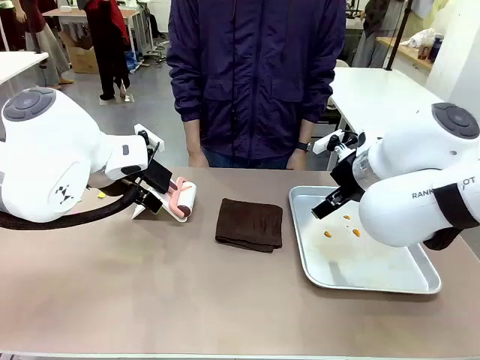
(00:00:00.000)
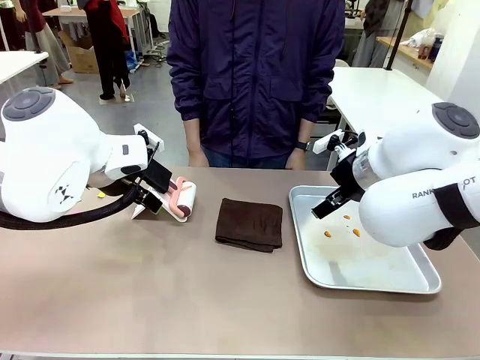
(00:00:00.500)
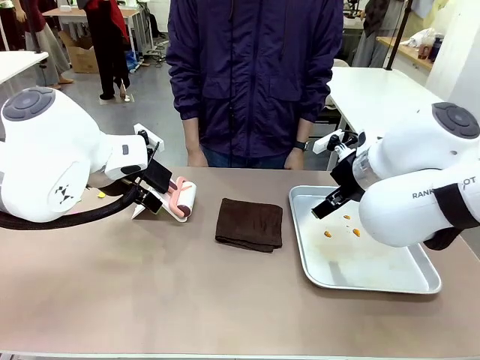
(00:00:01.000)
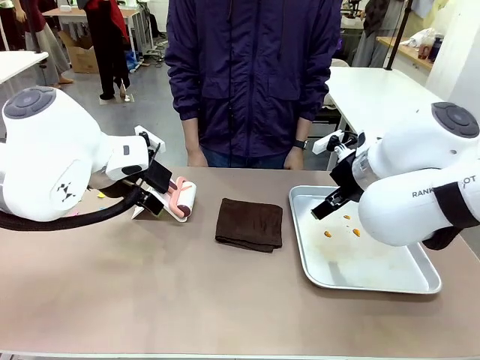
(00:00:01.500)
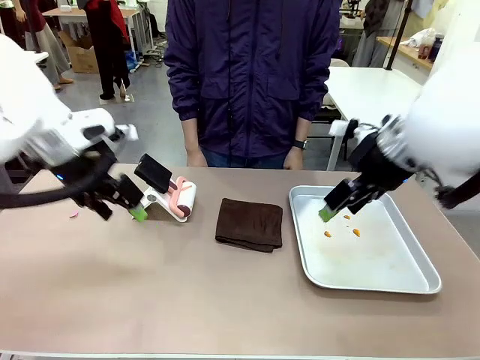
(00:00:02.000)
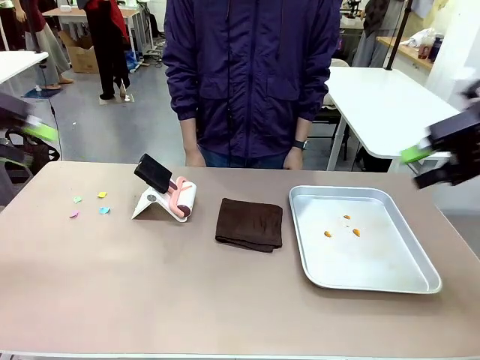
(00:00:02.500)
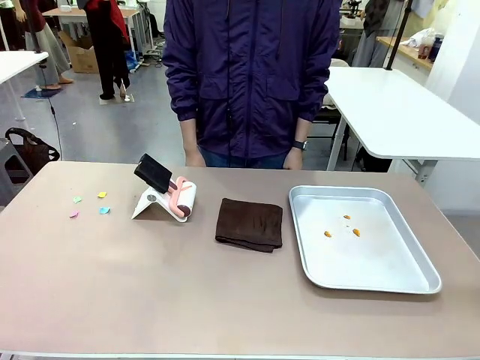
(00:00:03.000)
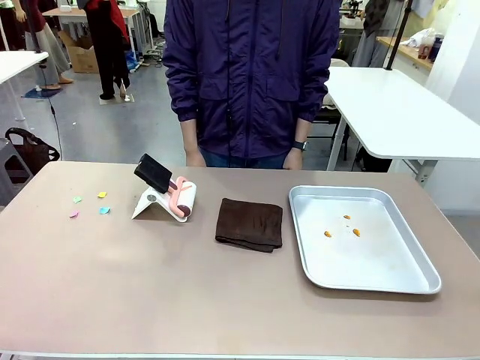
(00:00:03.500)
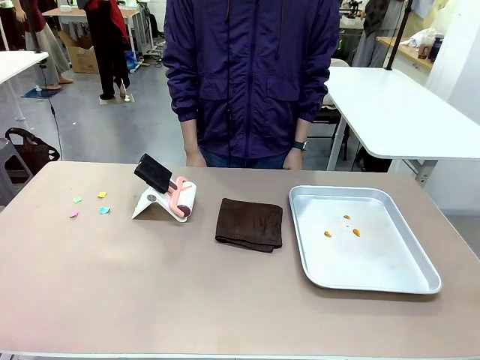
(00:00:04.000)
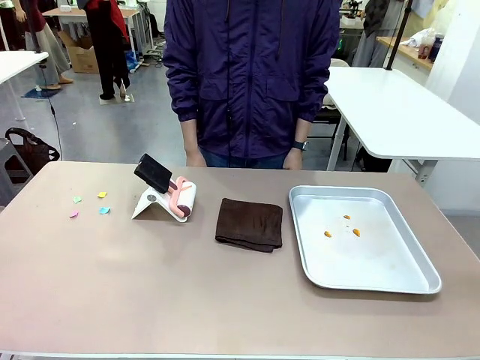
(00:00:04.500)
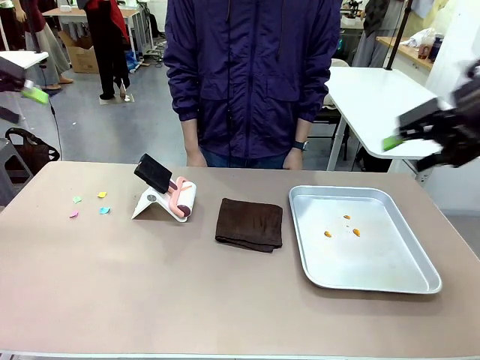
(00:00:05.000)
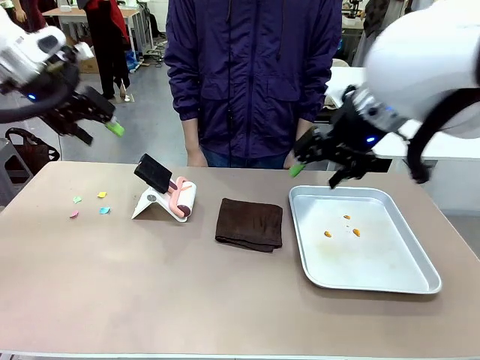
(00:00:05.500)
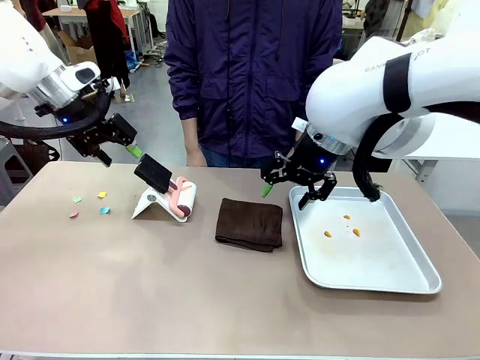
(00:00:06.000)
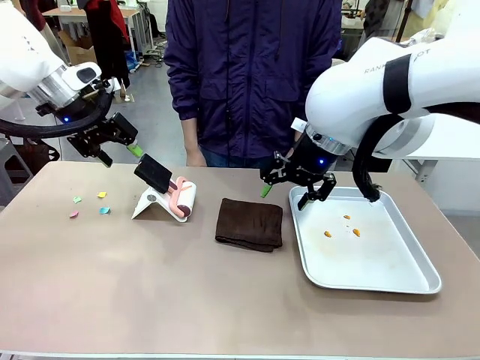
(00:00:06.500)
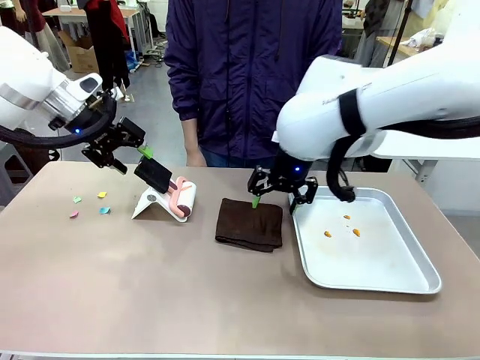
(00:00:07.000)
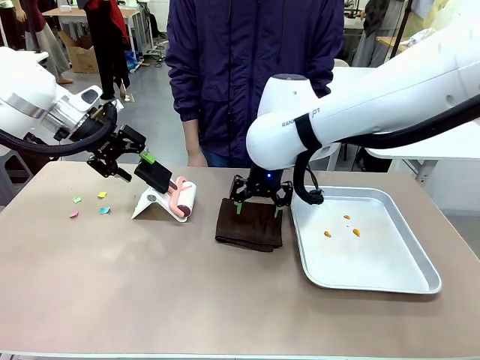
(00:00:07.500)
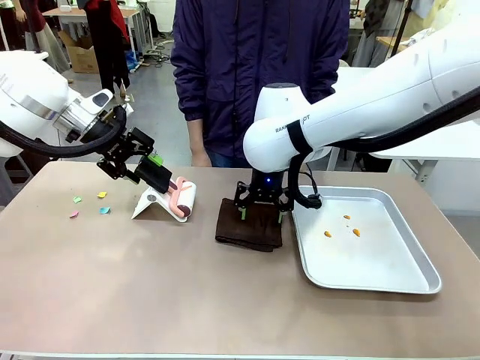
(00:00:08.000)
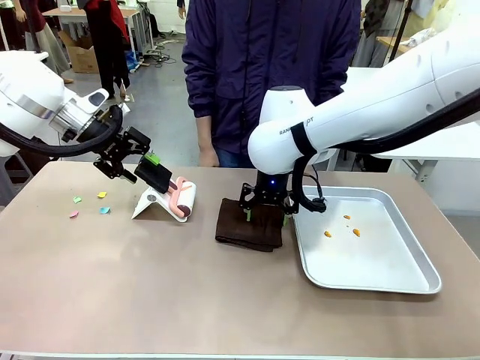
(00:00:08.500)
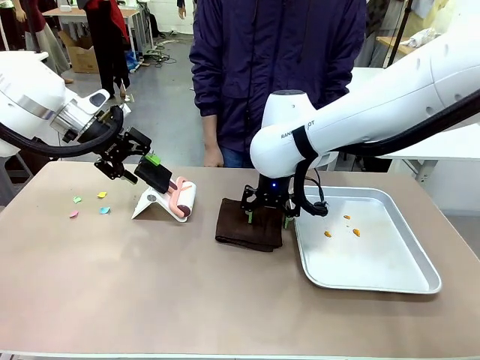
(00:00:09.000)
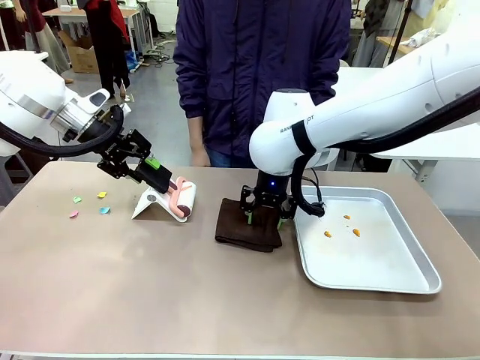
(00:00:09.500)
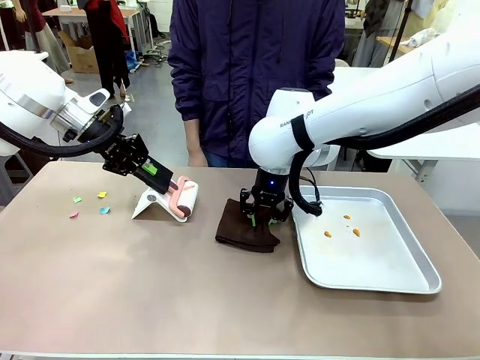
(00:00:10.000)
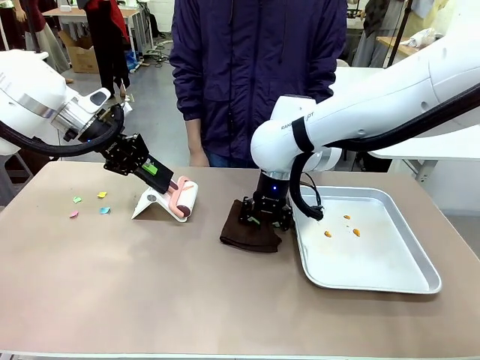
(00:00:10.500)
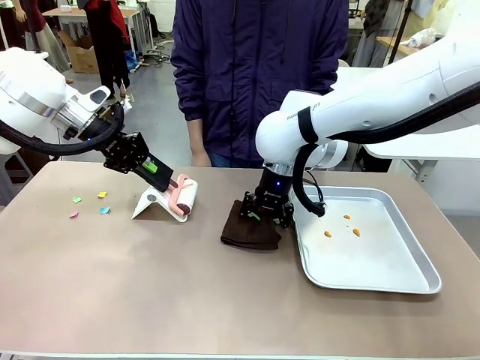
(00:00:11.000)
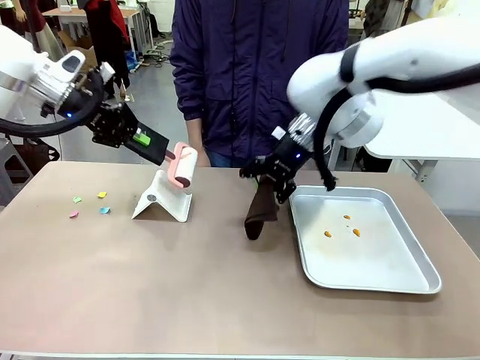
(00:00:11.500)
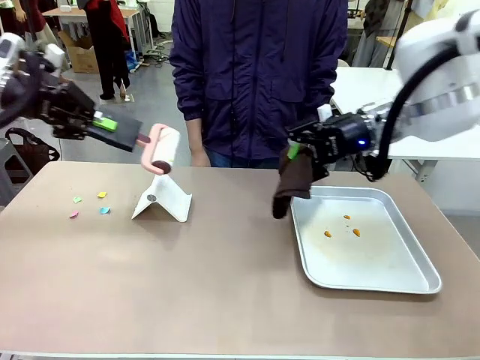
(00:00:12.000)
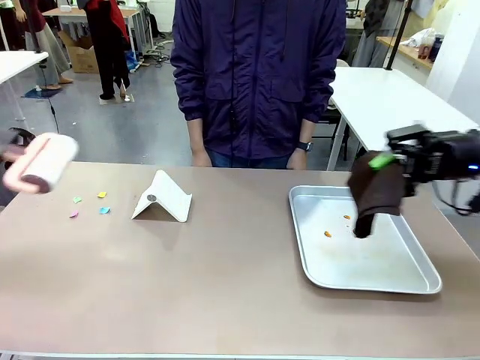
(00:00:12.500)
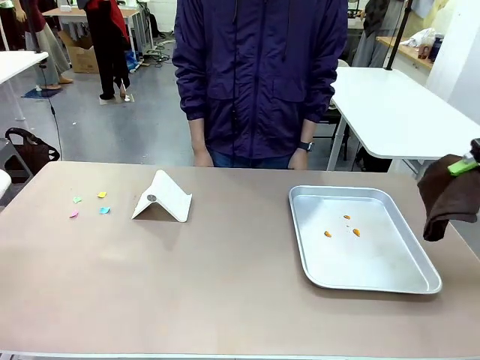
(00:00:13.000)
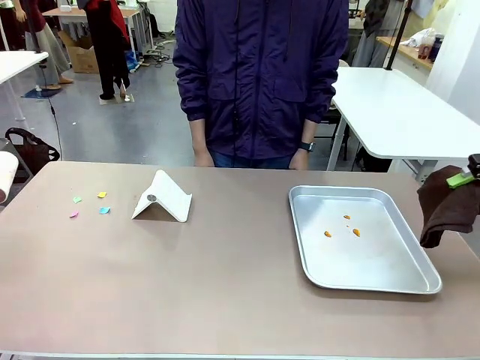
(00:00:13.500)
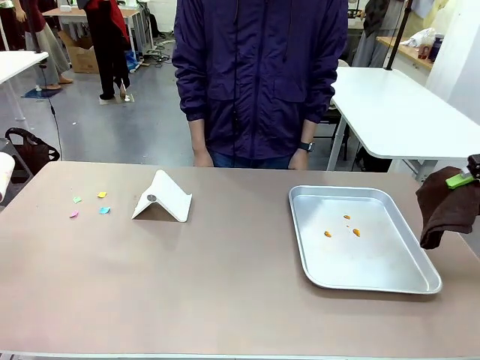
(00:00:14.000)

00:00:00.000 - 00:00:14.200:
Task: Clean the surface of the table.
Robot: Hold the Lint Roller with your left hand and the towel with your right hand.

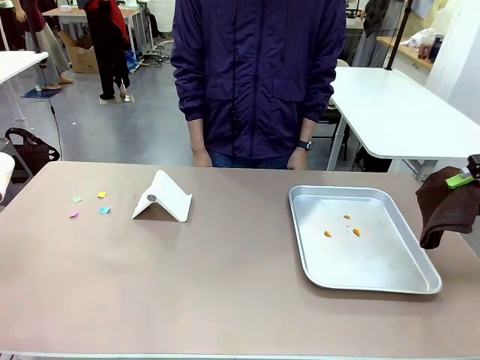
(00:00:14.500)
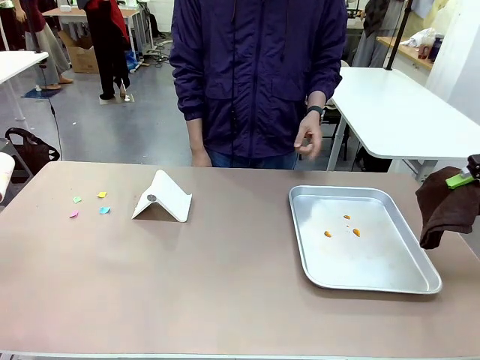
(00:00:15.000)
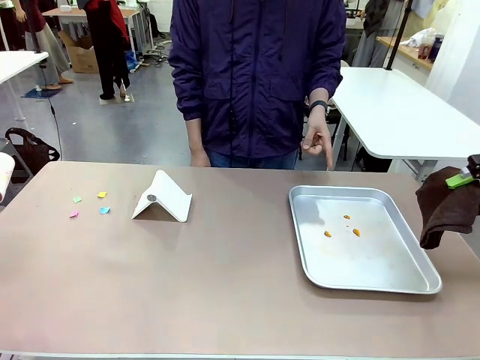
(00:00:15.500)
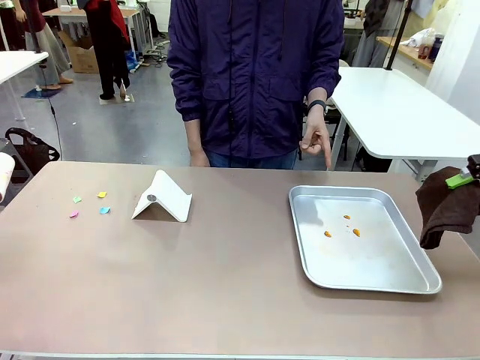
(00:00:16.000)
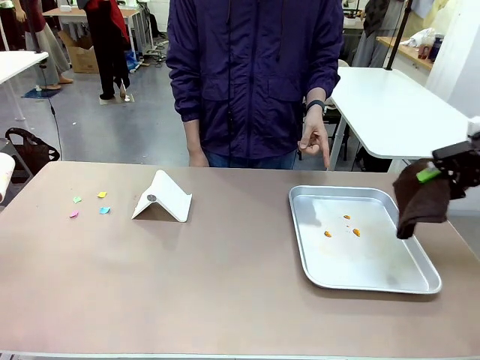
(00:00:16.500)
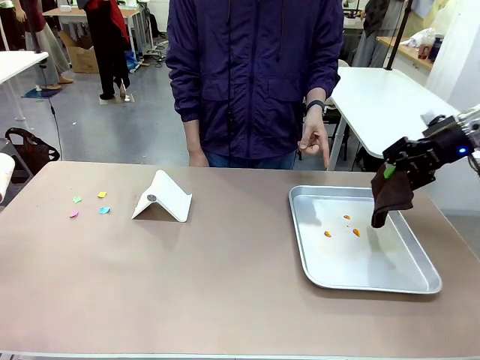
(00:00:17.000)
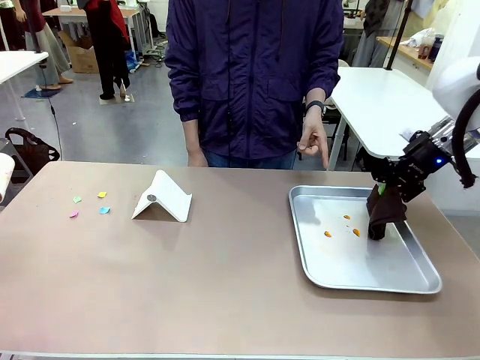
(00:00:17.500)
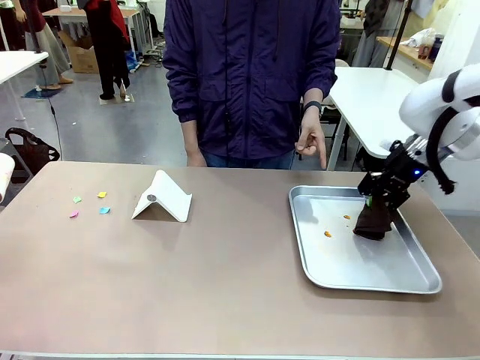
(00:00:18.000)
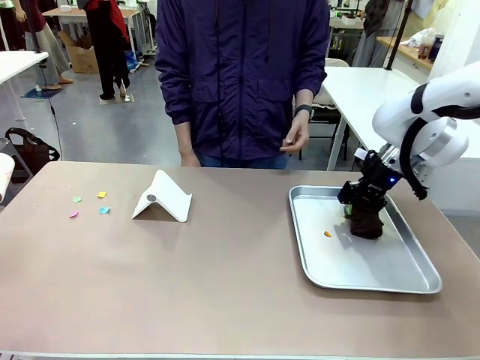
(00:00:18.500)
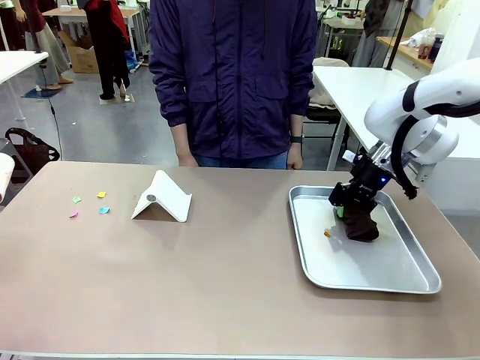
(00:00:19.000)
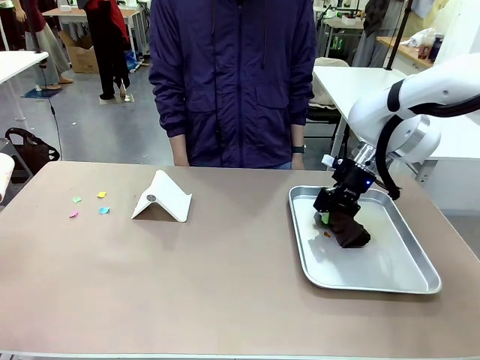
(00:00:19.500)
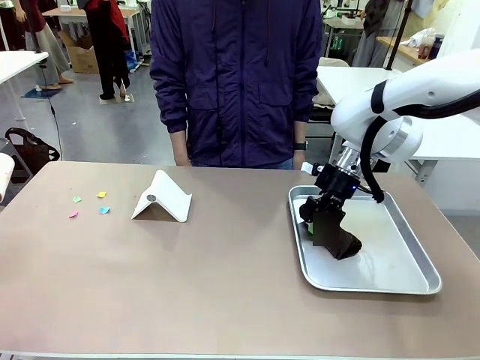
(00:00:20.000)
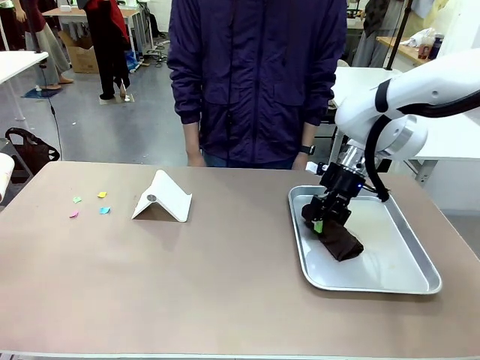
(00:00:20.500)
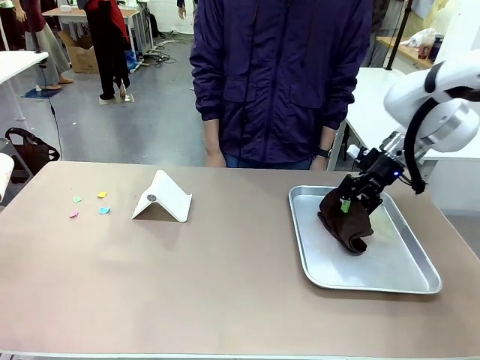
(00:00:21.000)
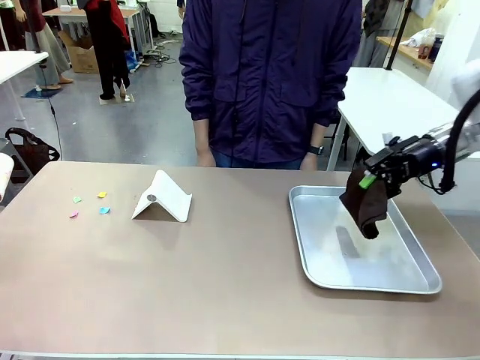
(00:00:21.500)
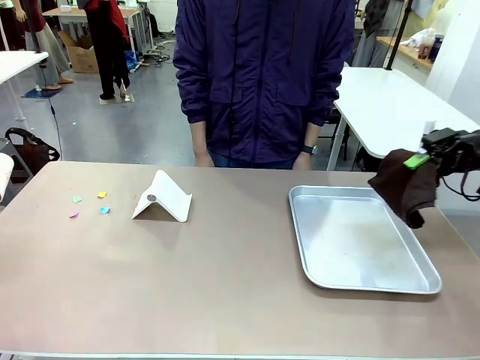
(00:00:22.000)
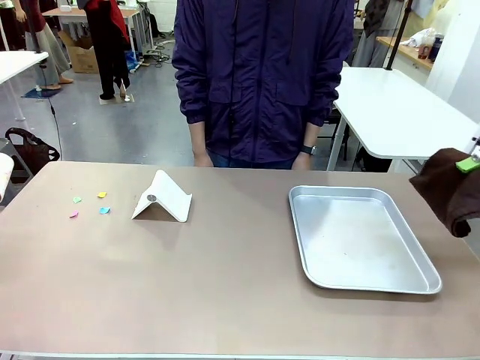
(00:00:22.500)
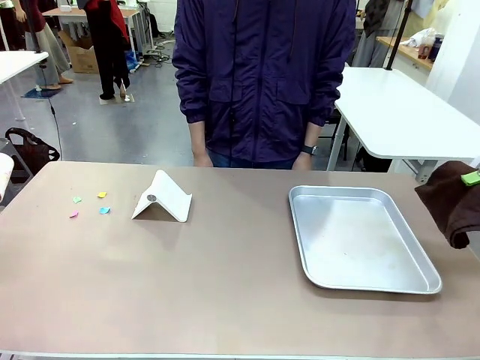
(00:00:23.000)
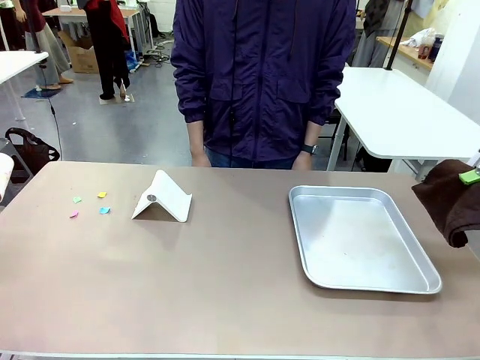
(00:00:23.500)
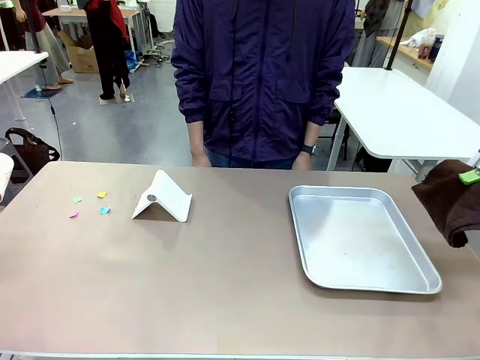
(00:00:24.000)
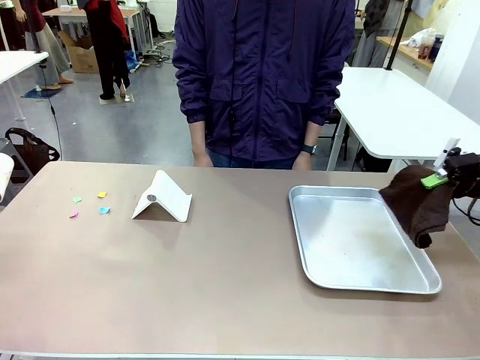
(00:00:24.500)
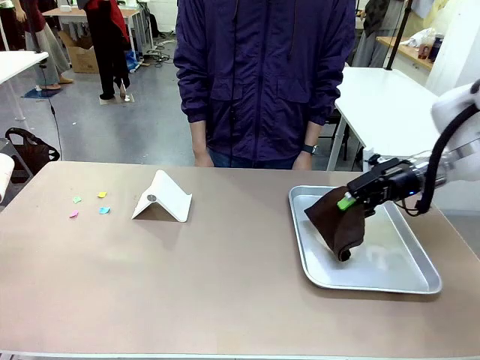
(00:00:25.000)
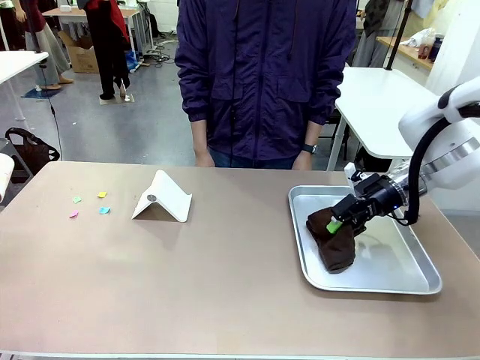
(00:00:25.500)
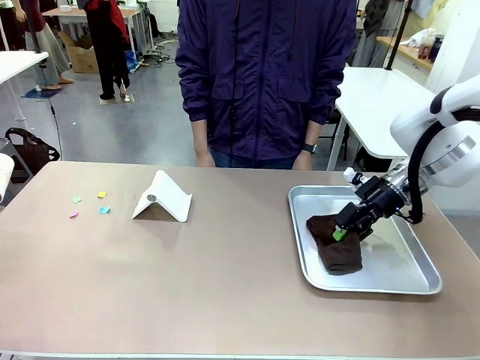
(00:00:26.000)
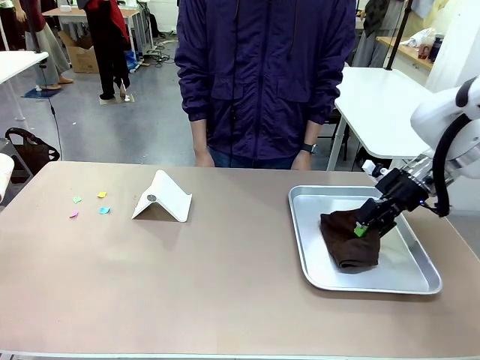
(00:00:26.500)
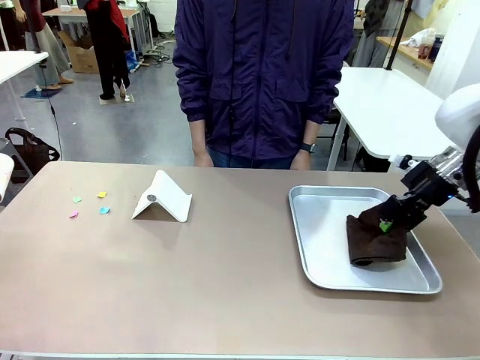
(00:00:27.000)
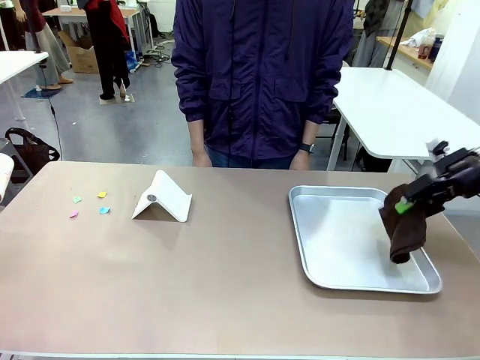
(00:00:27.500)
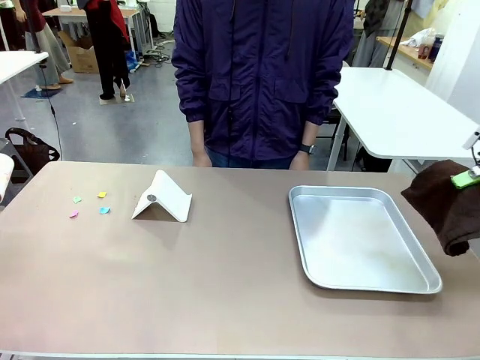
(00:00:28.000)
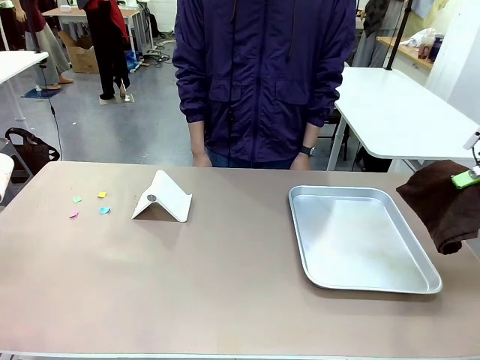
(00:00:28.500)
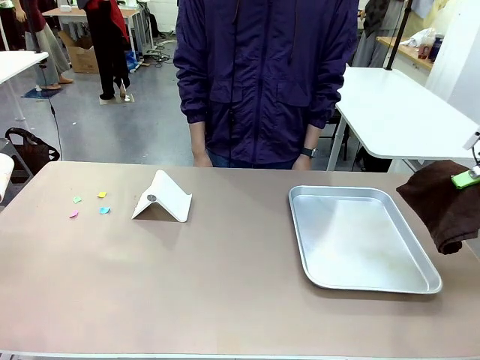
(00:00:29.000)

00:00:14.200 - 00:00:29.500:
Robot: If a person points to the right, clean the right side of the table with your right hand, and if they point to the left, clean the left side with your left hand.
